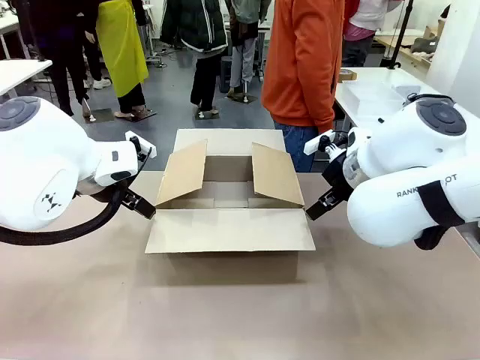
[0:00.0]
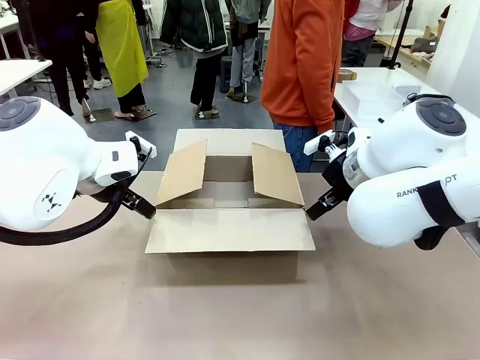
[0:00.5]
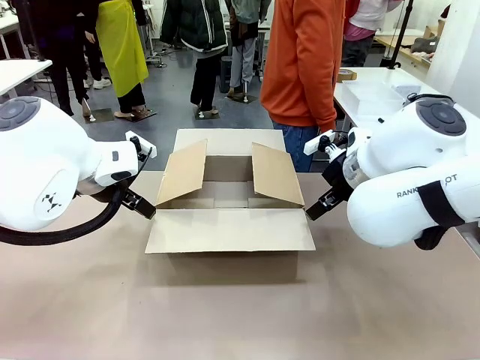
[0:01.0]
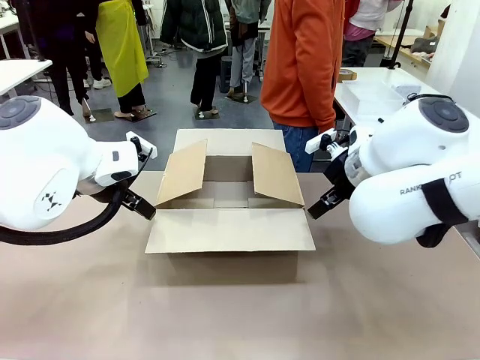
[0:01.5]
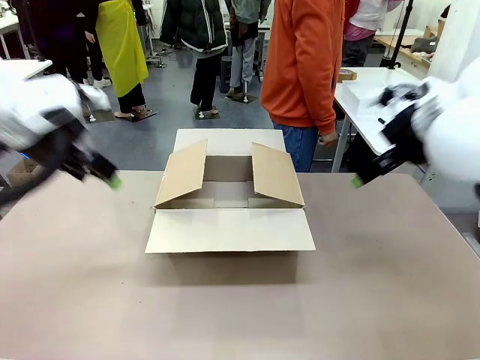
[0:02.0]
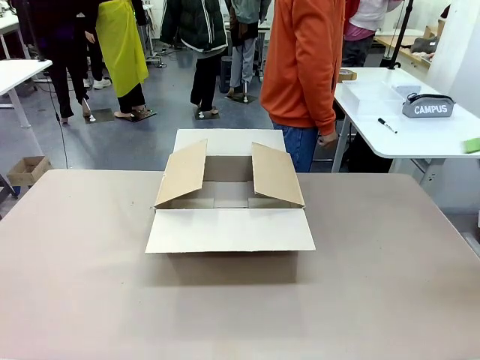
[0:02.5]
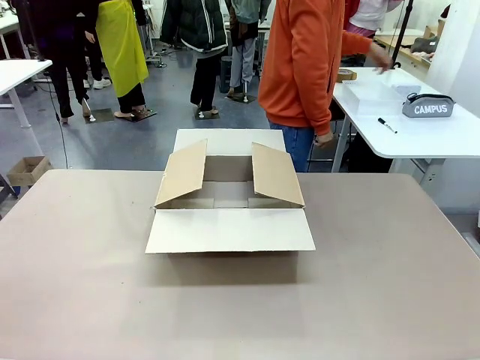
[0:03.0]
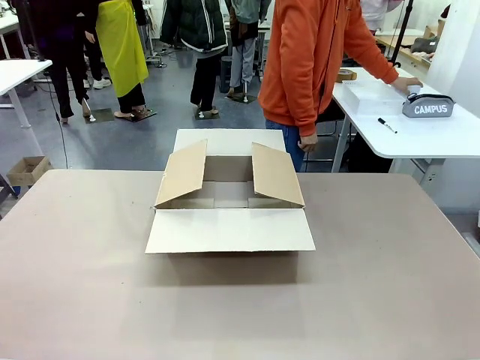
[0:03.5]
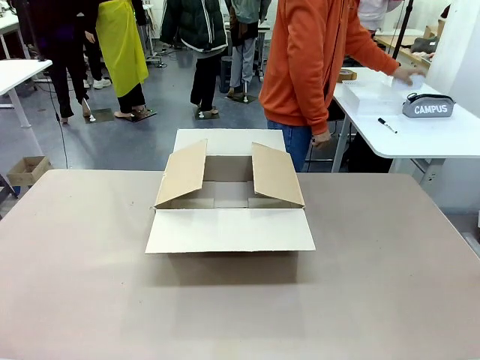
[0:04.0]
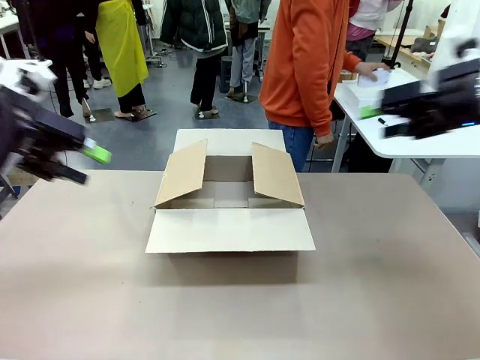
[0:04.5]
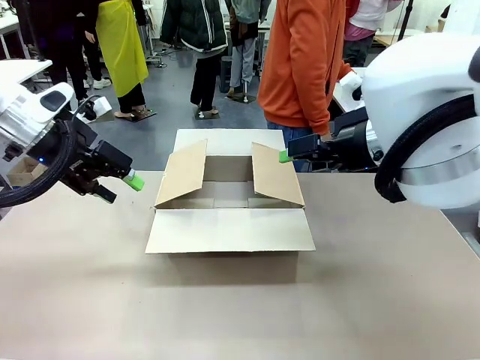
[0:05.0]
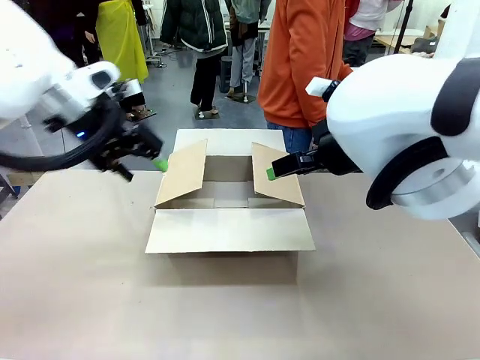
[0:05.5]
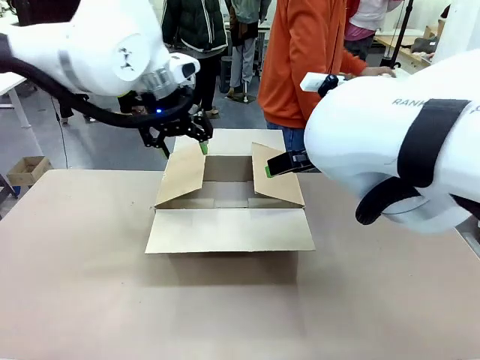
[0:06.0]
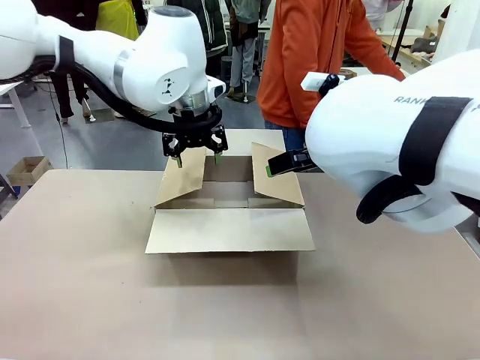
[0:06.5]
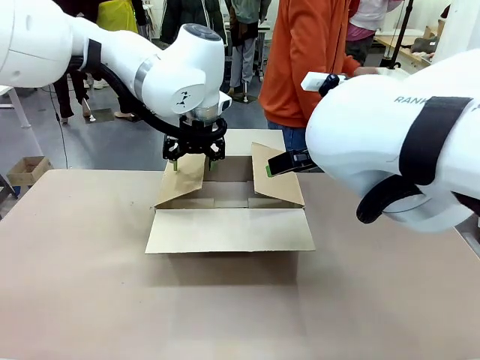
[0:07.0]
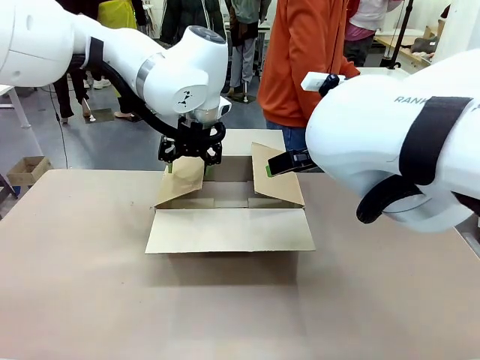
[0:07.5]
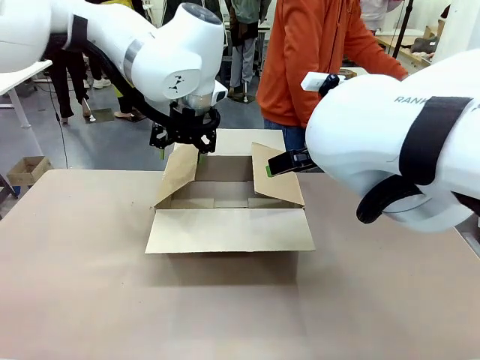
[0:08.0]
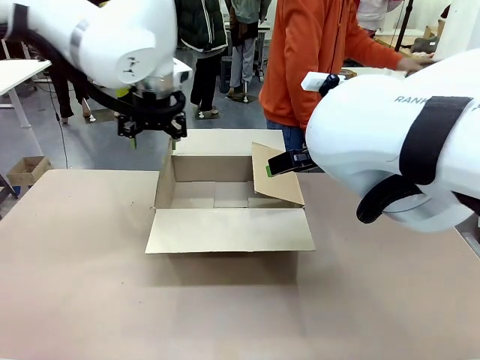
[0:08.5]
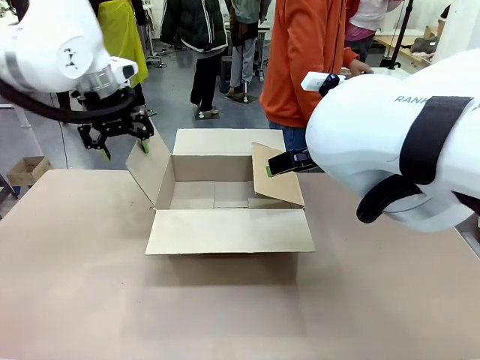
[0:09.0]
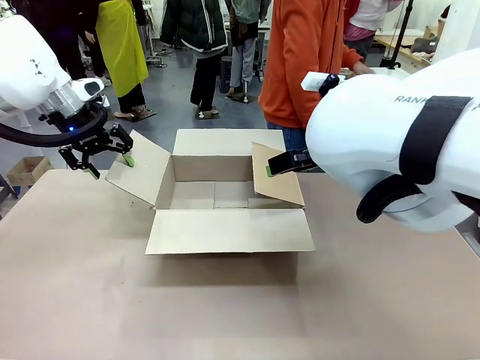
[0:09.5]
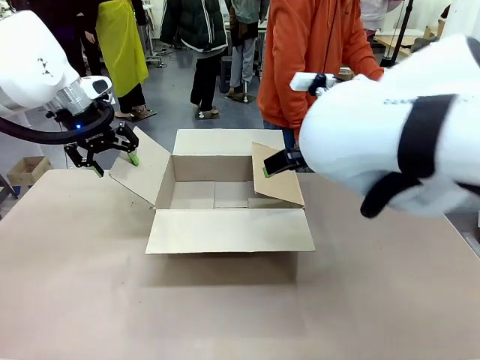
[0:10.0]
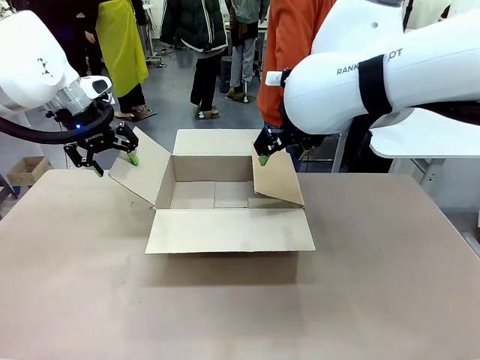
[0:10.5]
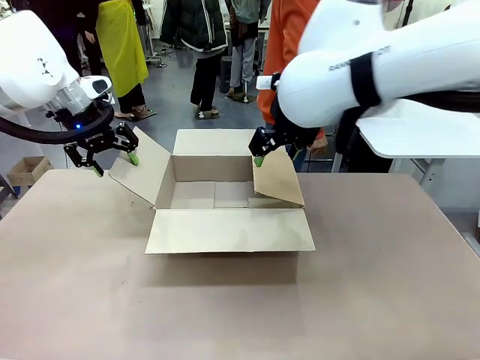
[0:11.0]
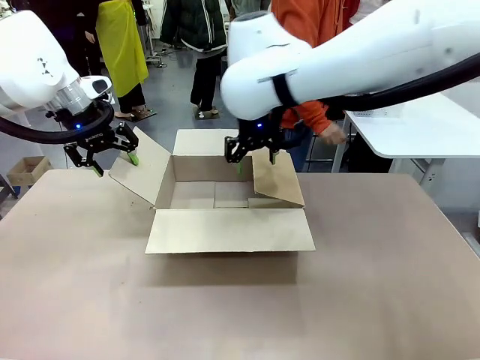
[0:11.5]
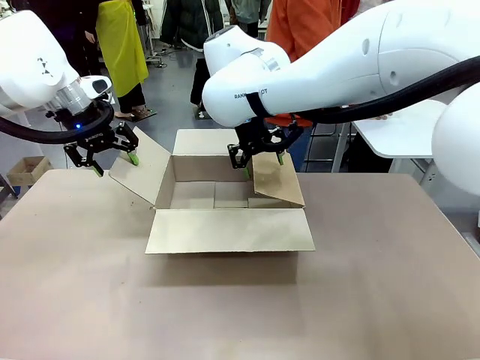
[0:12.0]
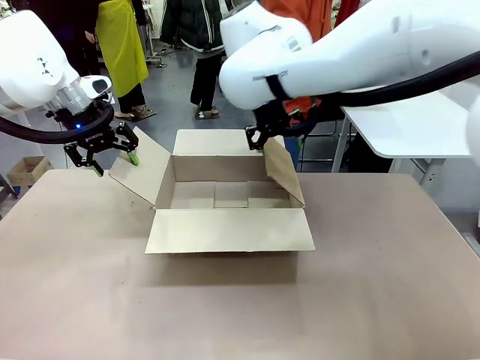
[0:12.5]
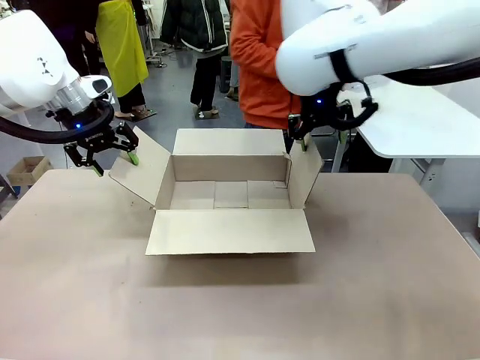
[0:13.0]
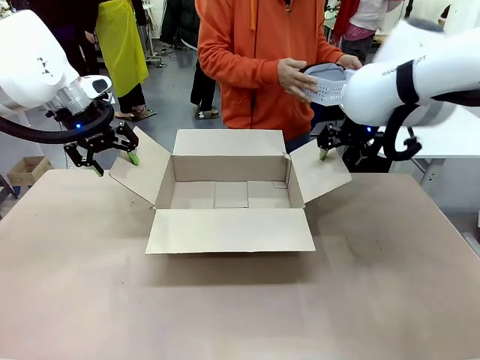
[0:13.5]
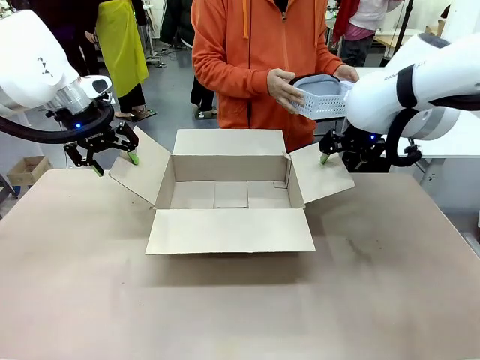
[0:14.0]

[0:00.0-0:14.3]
Task: Pack the gift set into the box.
Robot: Place both hands on the side flaps of the Package Box and spread them outward.
Person: The human places all items except the paper tape into the organizing basket.

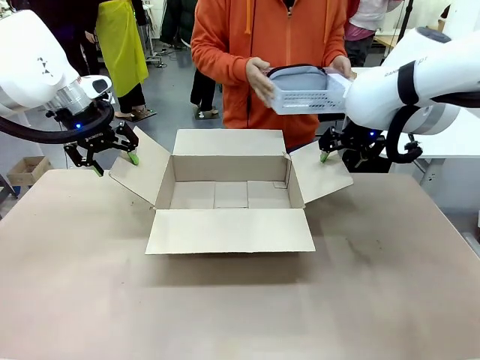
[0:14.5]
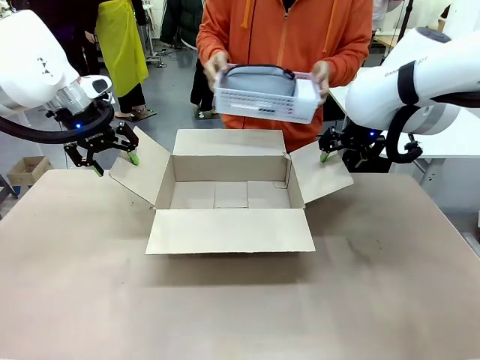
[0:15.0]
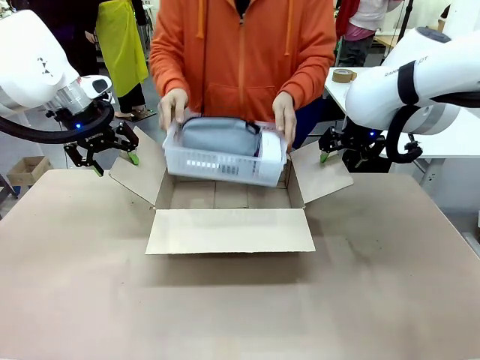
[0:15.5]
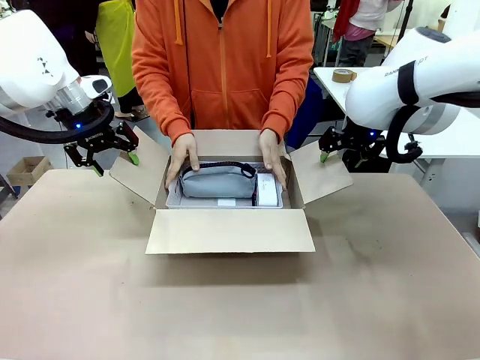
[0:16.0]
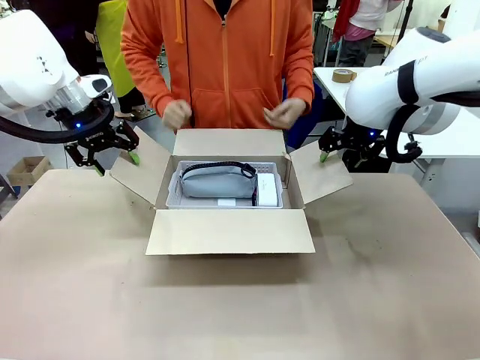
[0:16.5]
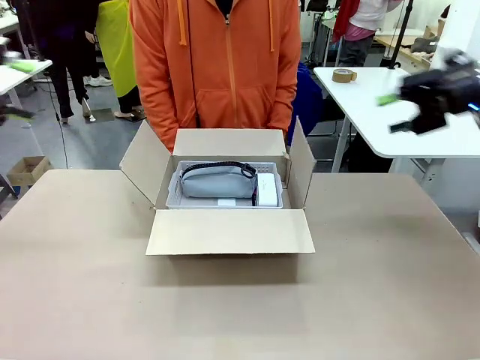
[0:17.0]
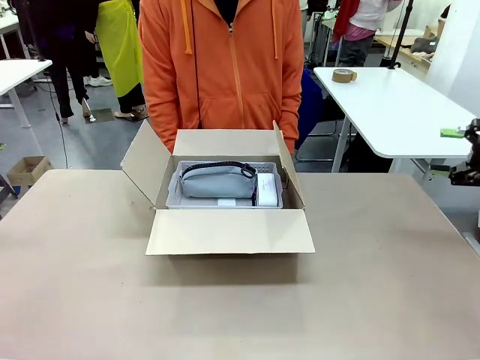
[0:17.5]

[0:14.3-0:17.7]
Robot: Lift both hands away from the flaps of the Package Box.
Person: The human picks up the organizing basket and places the organizing basket into the package box on the robot table.

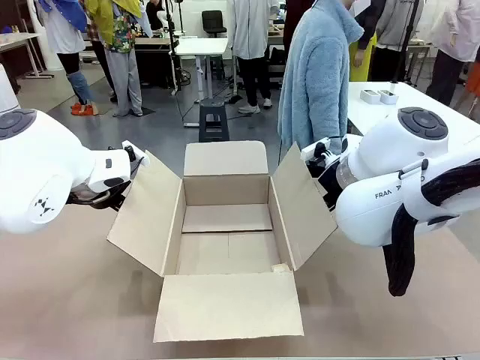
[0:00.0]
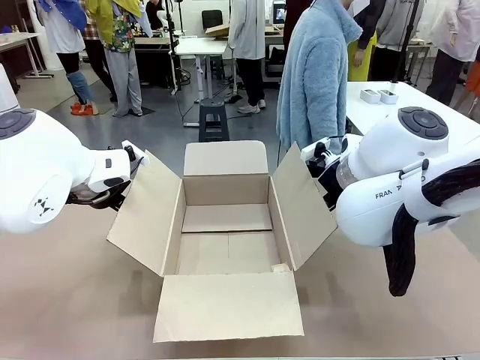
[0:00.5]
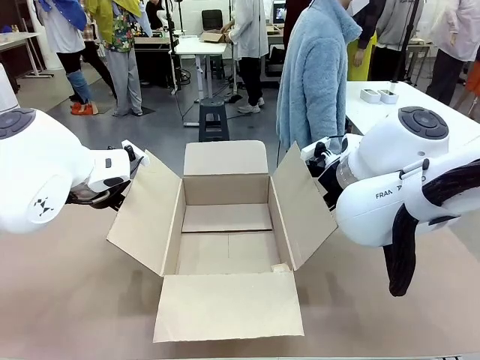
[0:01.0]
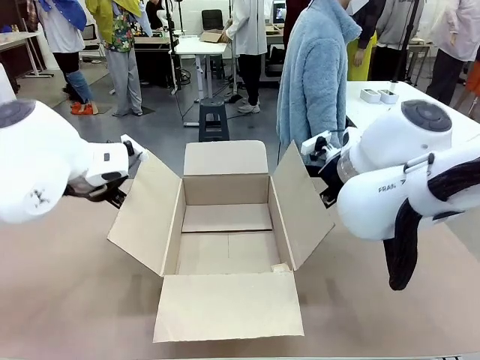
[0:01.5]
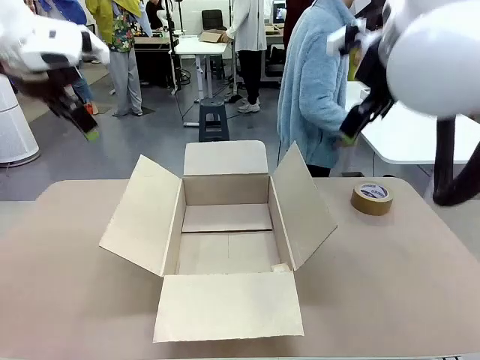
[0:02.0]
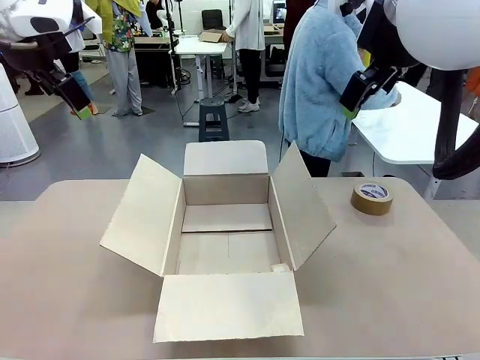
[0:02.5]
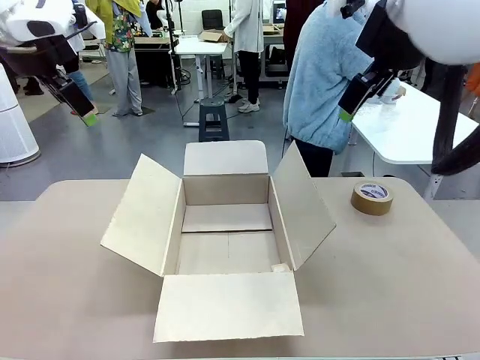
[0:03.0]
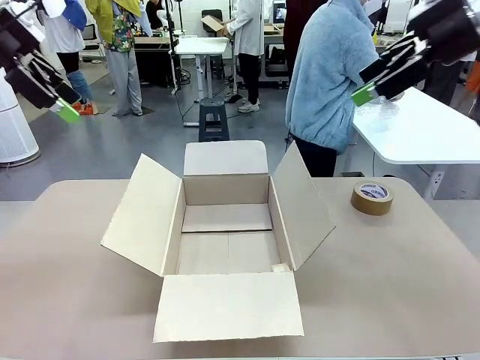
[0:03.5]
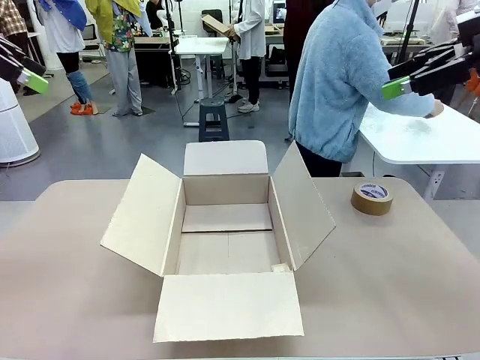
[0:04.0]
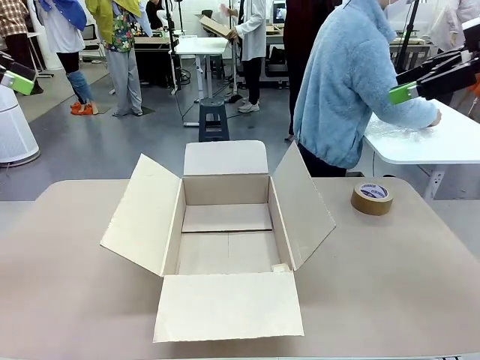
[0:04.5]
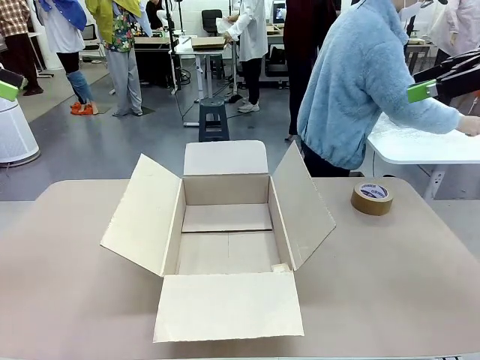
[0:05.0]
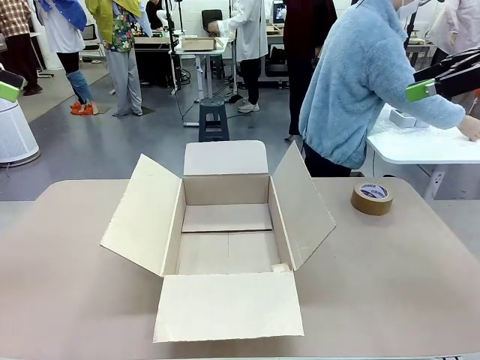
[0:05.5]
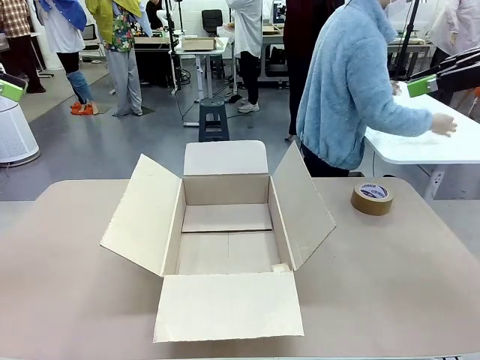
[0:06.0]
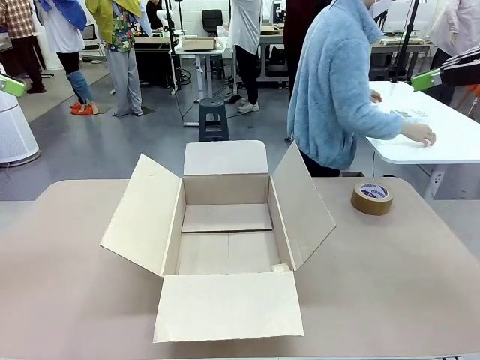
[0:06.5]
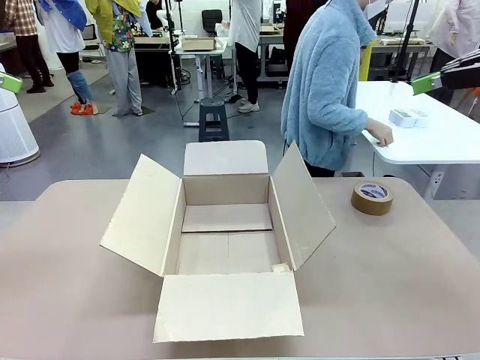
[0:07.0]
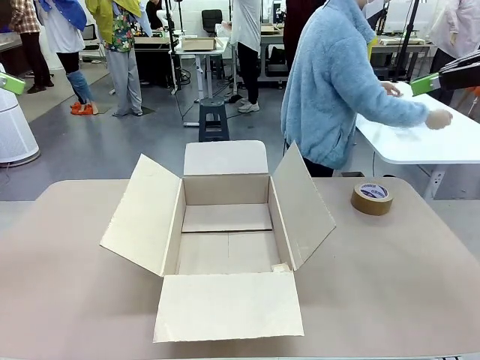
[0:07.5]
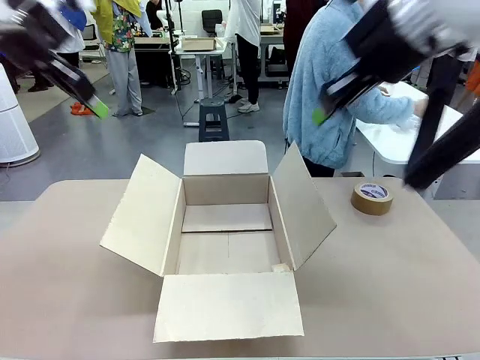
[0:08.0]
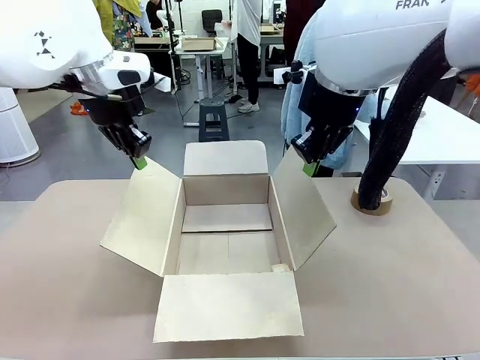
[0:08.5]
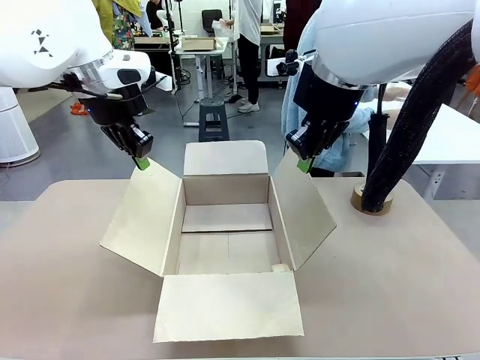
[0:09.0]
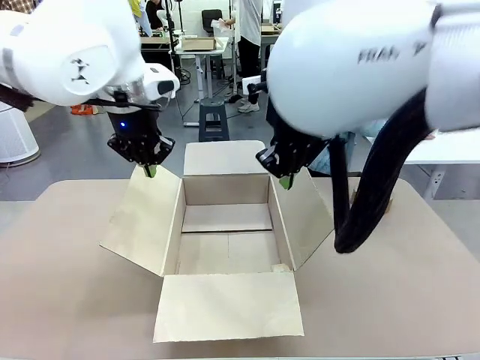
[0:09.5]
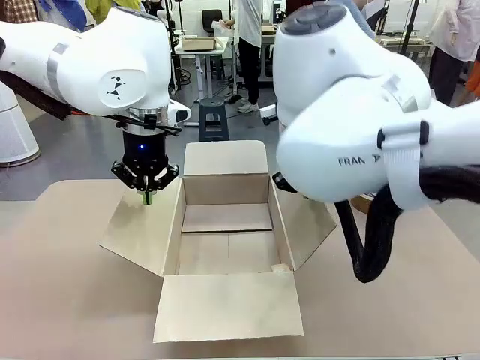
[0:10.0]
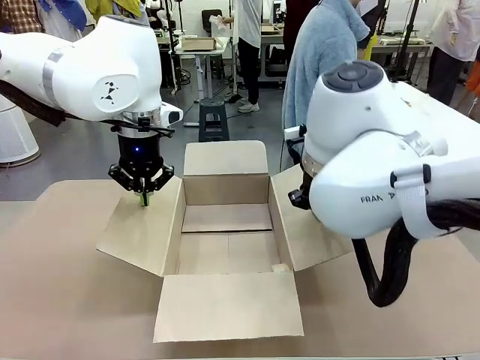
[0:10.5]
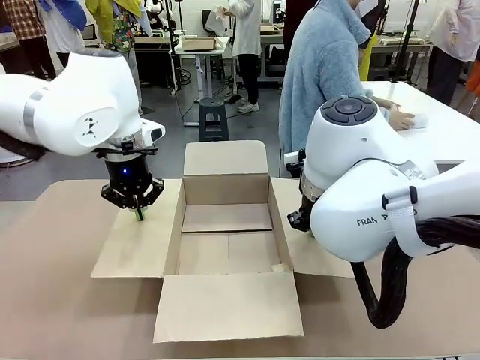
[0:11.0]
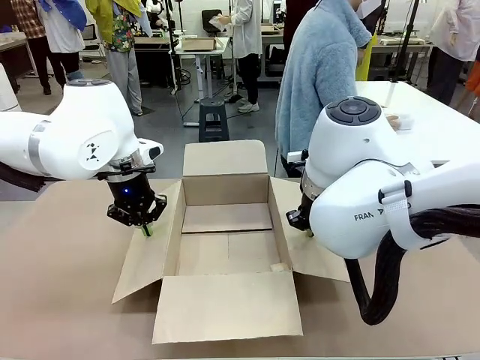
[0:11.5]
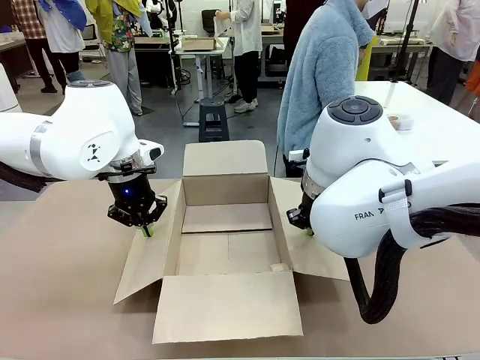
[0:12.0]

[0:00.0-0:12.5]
Task: Wrap the clocks to prevent damage.
Robot: Open the side flaps of the Package Box.
Person: Wrap the two Digital clocks with Bubble Wrap.
